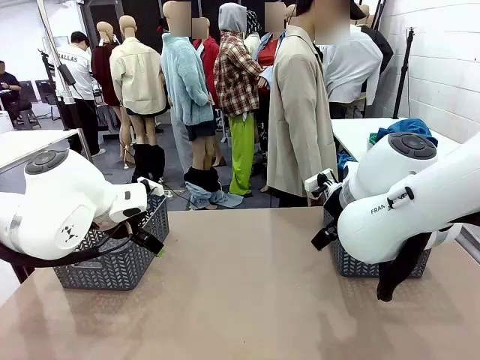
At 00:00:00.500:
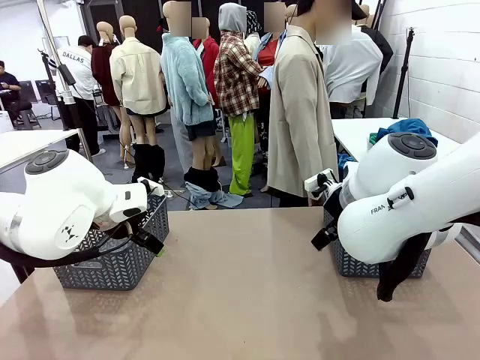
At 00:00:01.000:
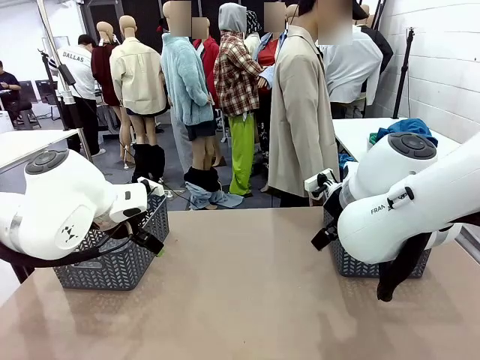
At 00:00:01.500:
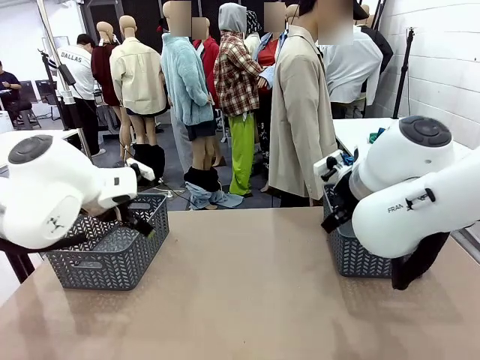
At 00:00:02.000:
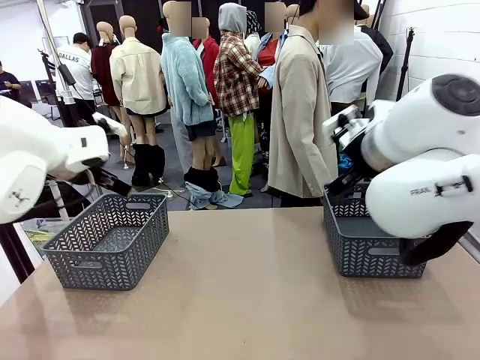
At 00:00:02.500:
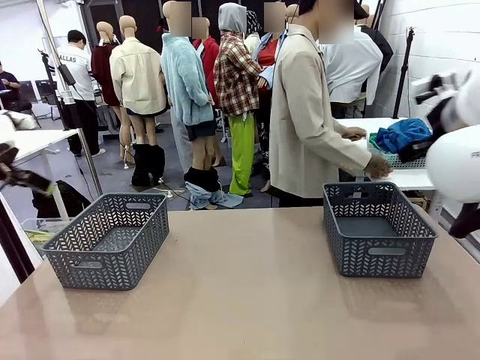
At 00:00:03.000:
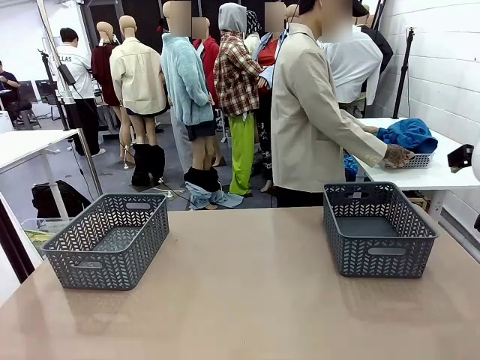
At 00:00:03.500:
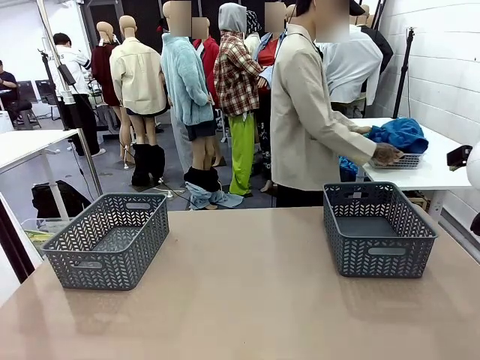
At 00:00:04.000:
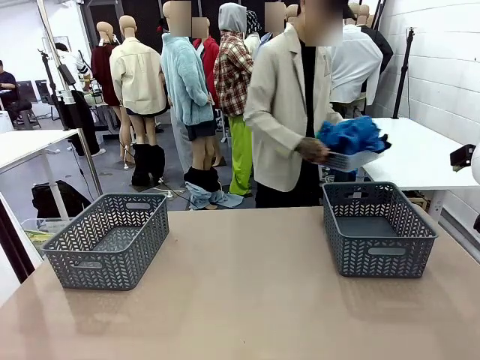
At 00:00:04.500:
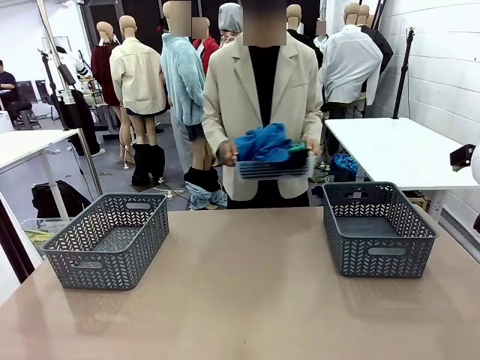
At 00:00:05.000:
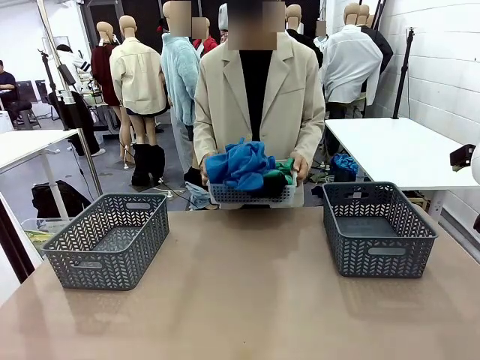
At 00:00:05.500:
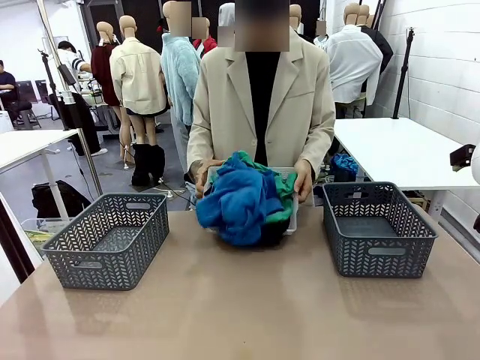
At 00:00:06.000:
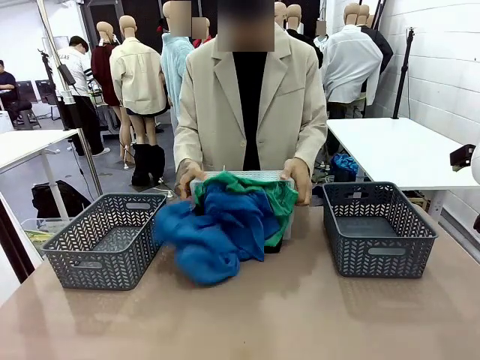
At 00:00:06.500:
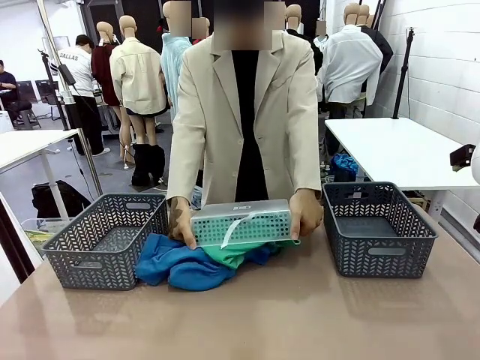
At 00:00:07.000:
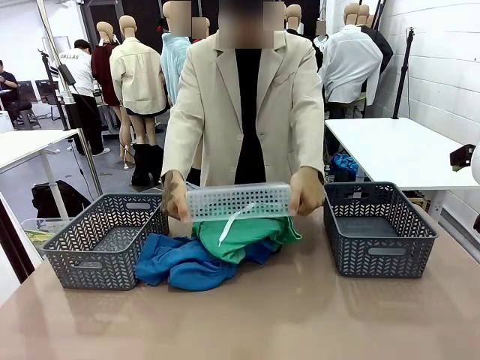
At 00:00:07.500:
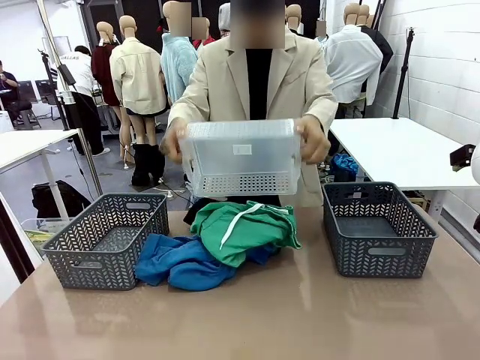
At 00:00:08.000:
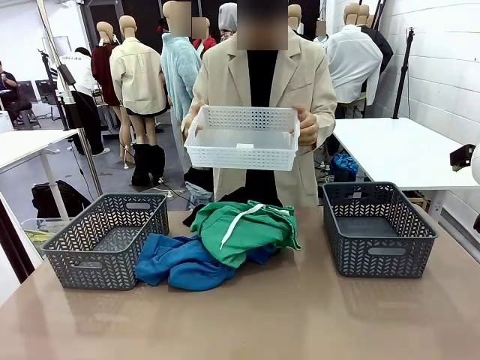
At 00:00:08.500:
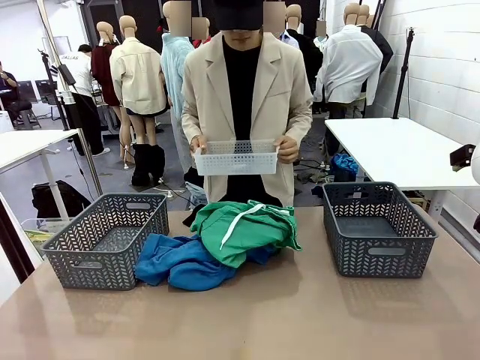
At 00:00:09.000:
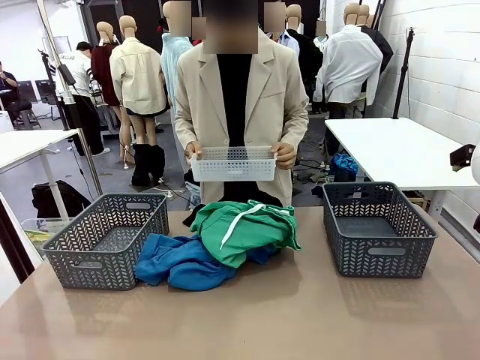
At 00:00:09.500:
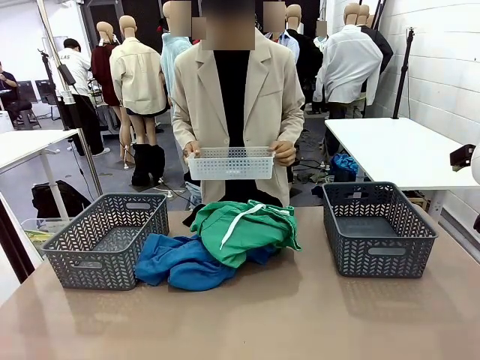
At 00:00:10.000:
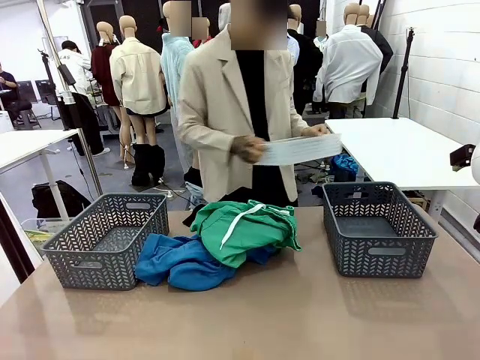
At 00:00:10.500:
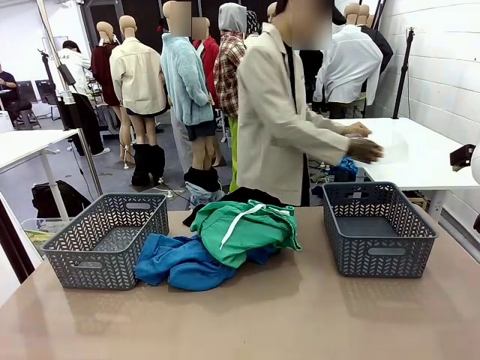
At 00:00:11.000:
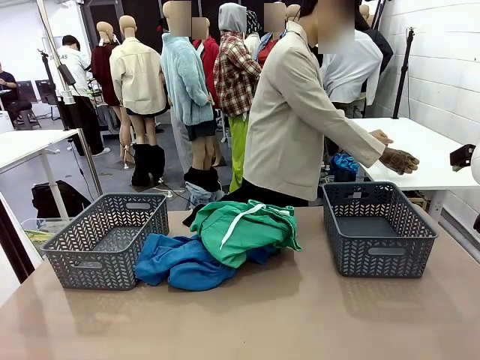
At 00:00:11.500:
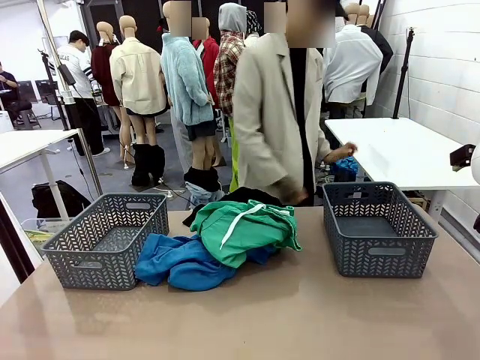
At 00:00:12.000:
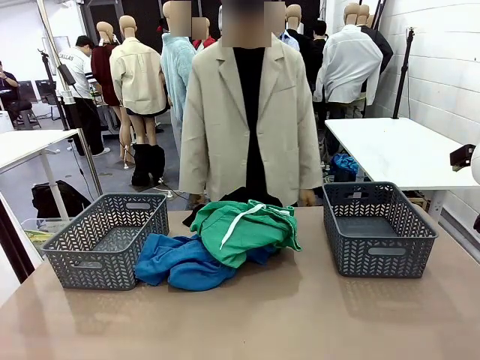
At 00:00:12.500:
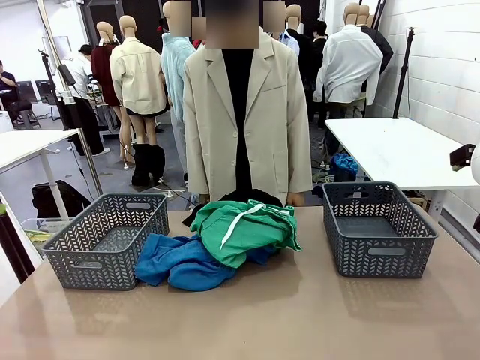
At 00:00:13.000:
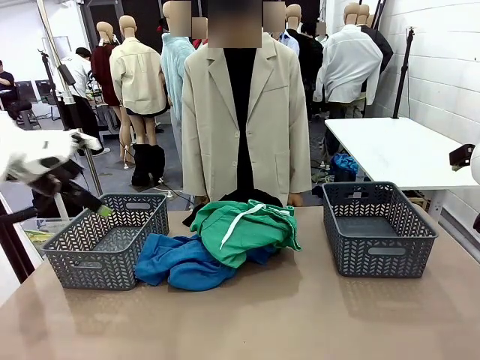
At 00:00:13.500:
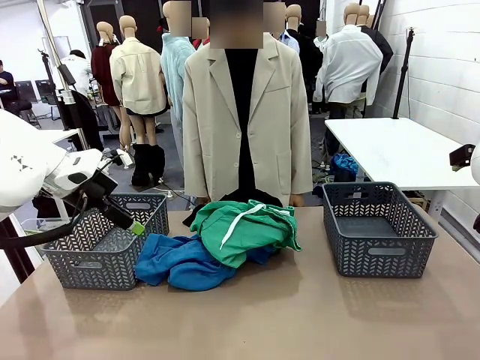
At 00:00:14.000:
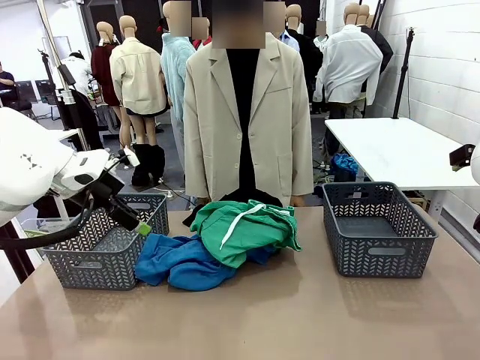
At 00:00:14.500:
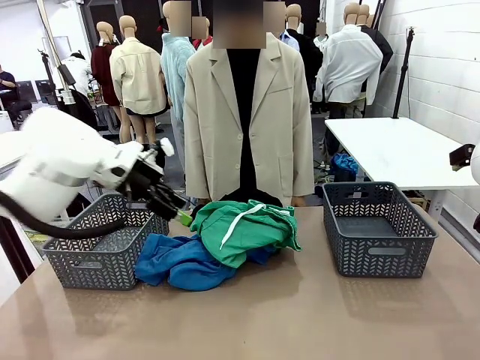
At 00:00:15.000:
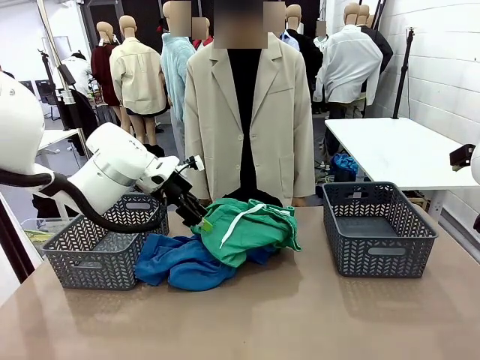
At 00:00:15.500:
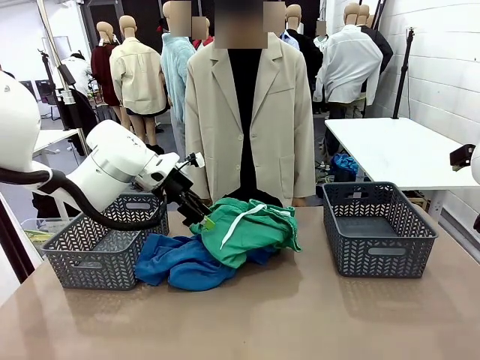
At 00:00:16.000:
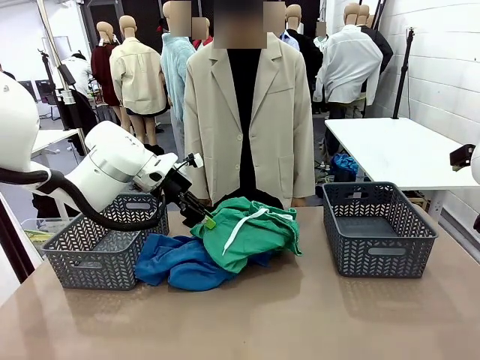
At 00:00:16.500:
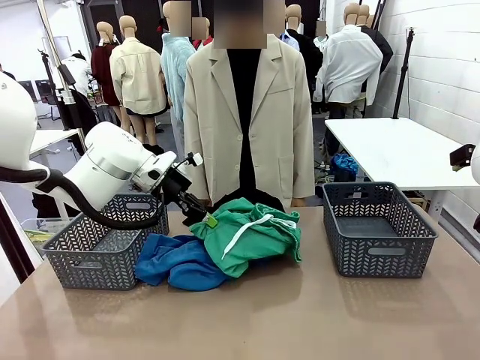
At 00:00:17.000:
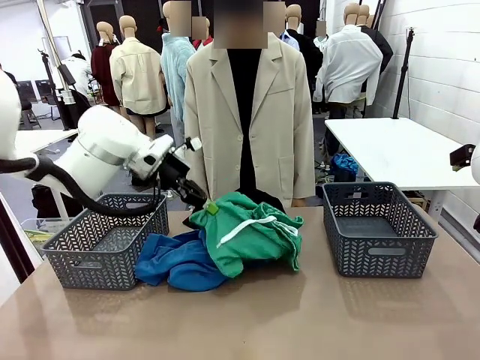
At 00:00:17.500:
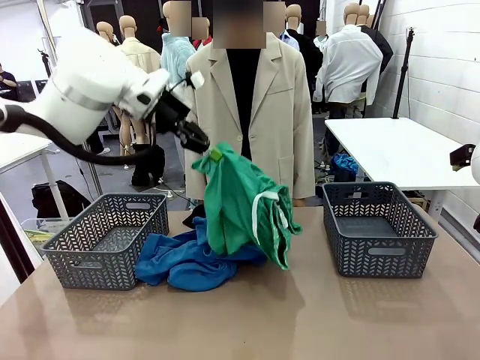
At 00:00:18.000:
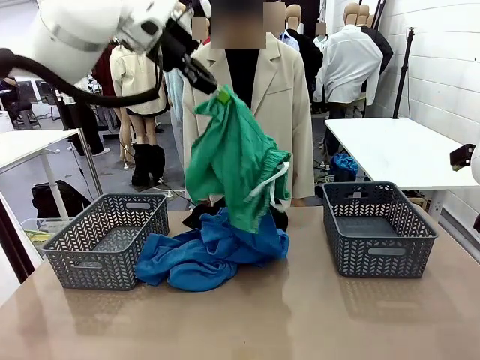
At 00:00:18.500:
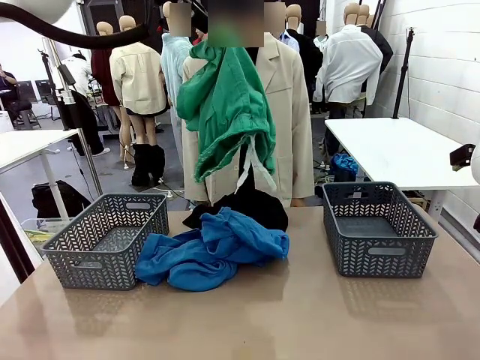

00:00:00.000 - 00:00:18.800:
Task: Sort the tops and bottoms.
Robot: Lift clothes from the center of the table with your left hand.
Person: Pour the clothes from the basket onto the center of the robot table.

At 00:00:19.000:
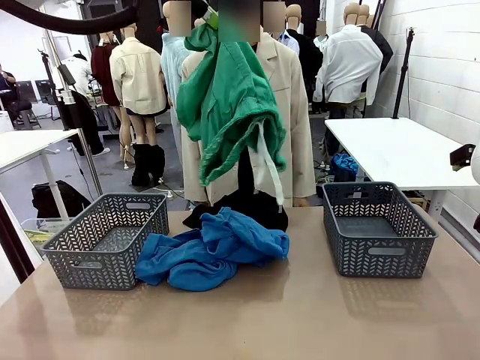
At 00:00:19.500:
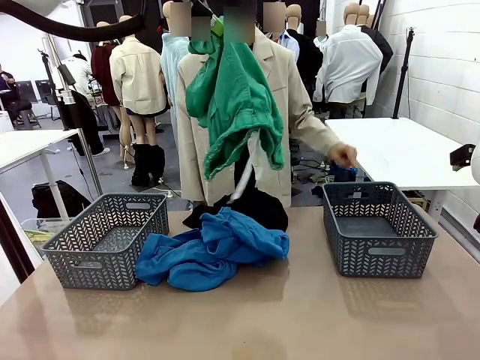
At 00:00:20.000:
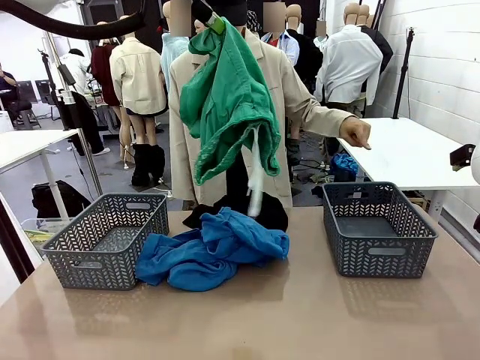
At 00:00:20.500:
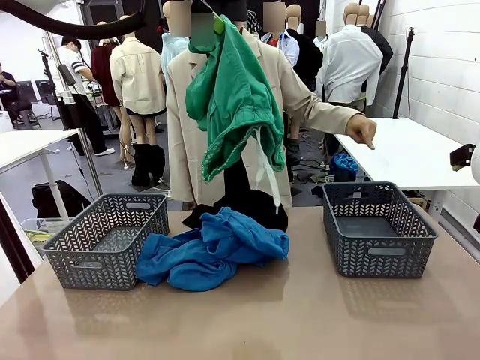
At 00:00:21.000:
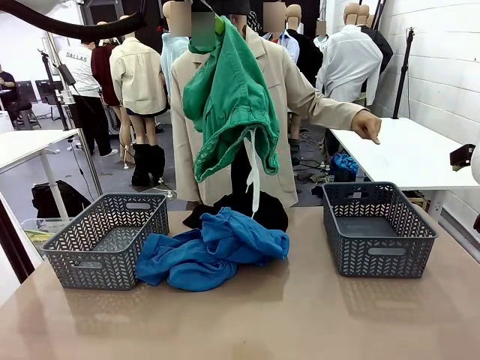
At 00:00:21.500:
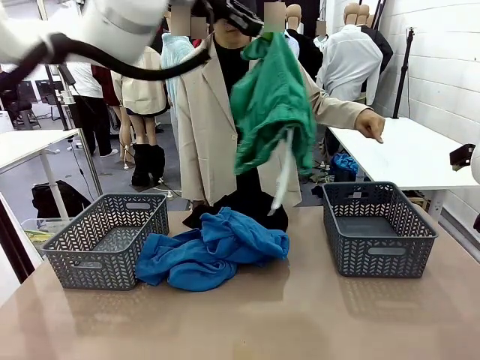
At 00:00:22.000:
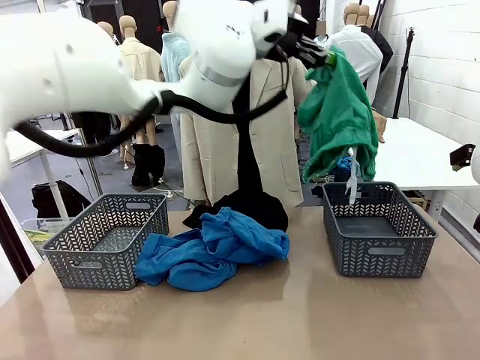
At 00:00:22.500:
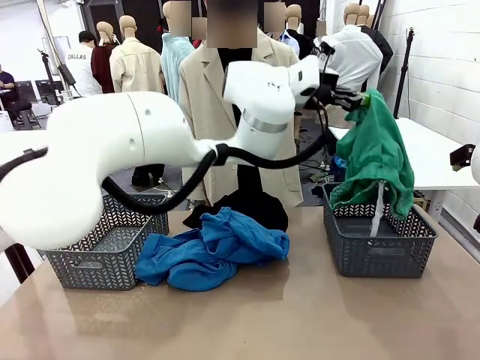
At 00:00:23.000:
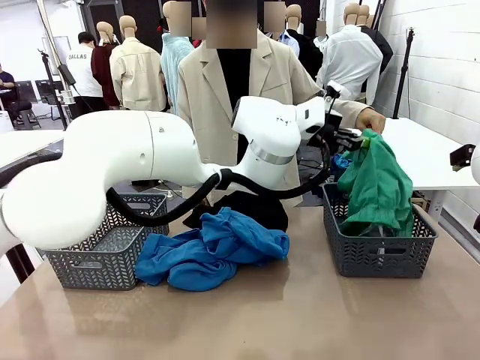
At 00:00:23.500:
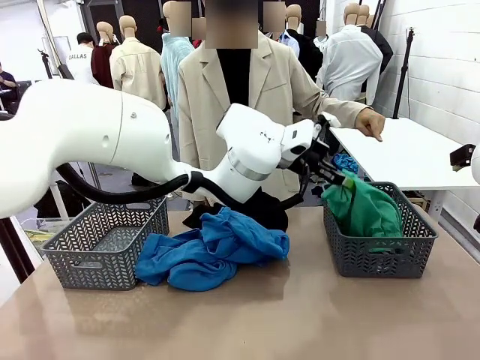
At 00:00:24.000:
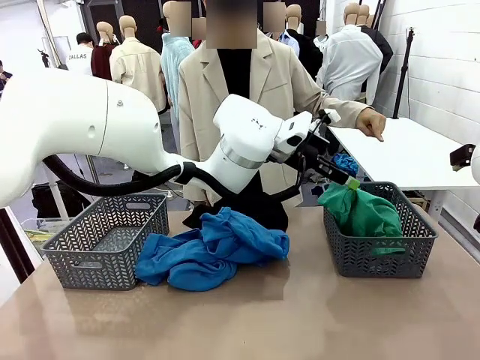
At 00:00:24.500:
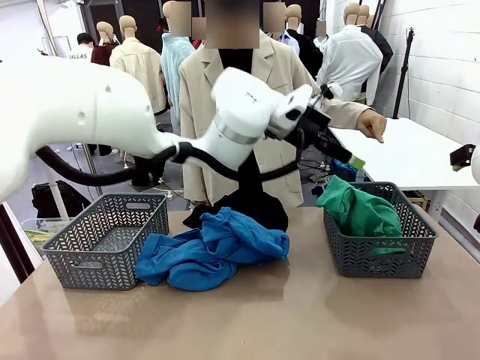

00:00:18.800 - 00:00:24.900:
Robot: Sort the clothes according to human instructions.
